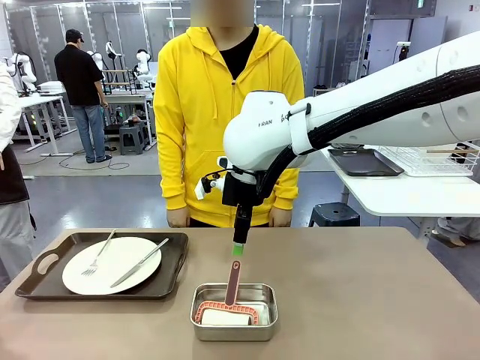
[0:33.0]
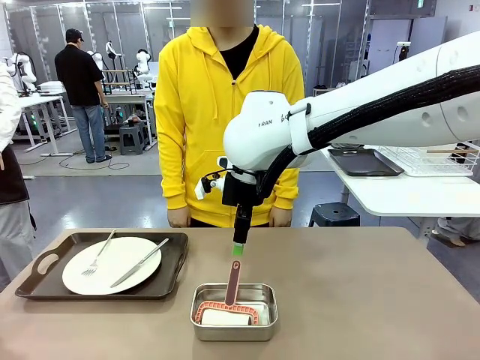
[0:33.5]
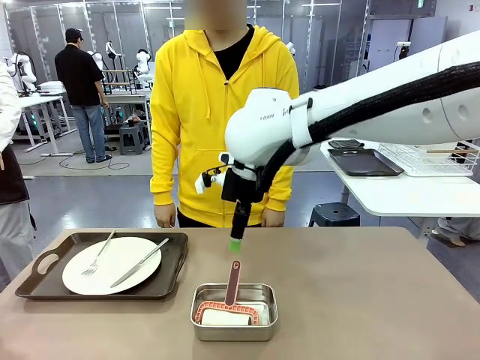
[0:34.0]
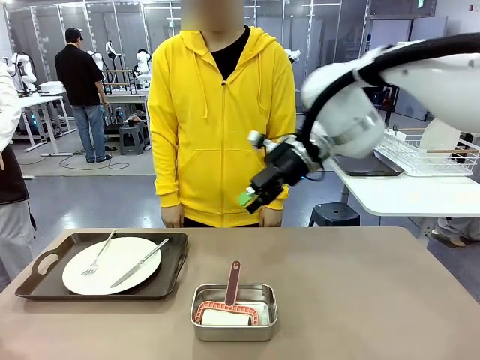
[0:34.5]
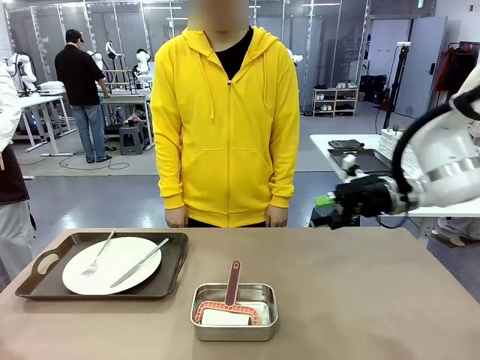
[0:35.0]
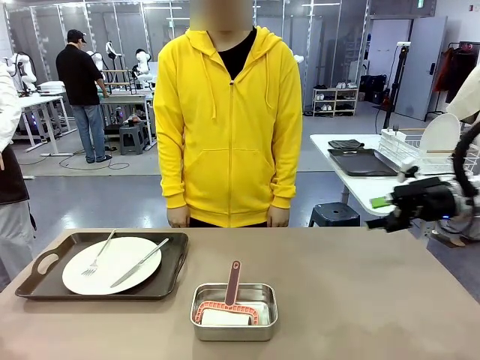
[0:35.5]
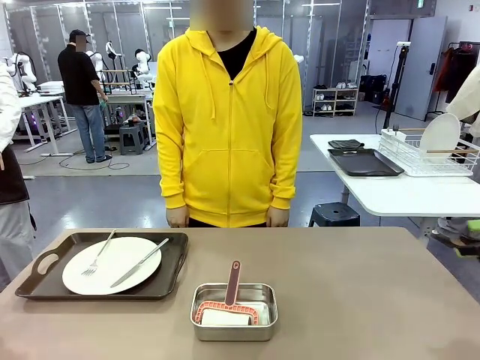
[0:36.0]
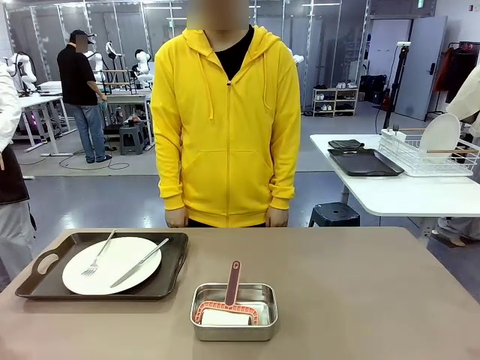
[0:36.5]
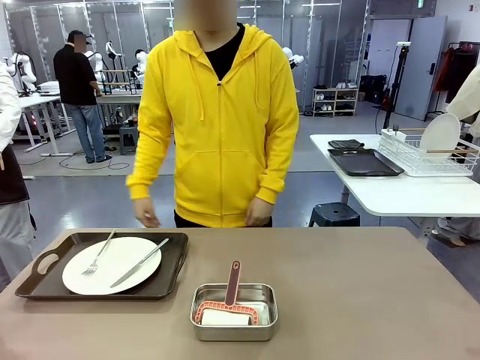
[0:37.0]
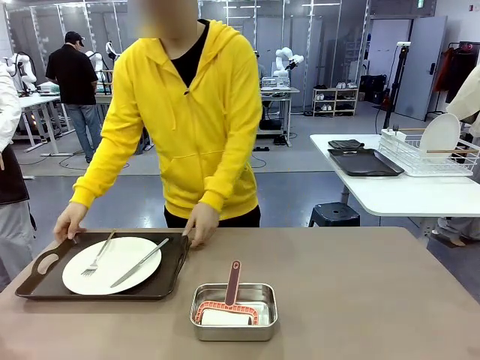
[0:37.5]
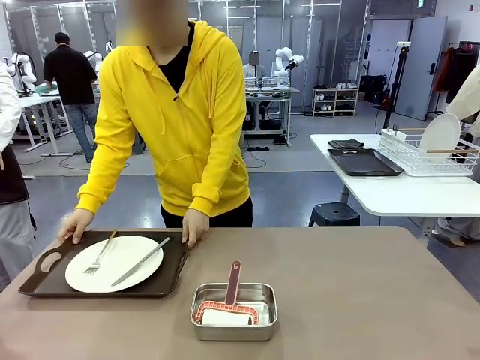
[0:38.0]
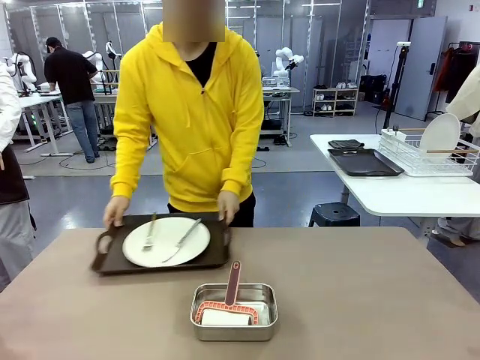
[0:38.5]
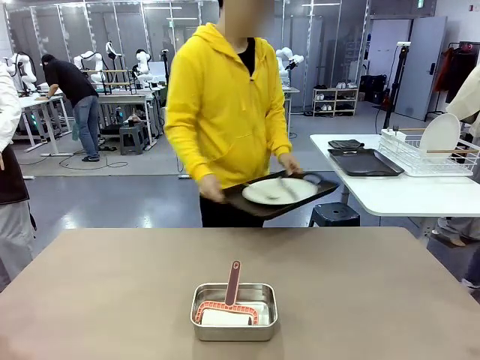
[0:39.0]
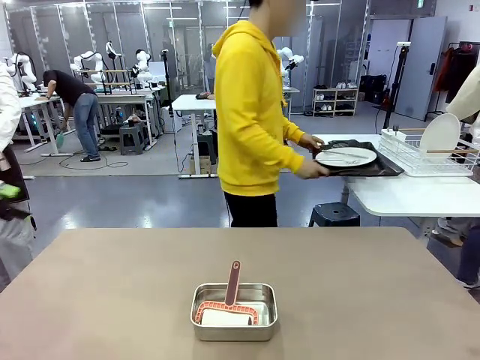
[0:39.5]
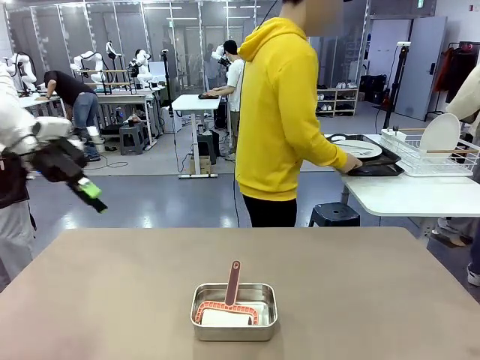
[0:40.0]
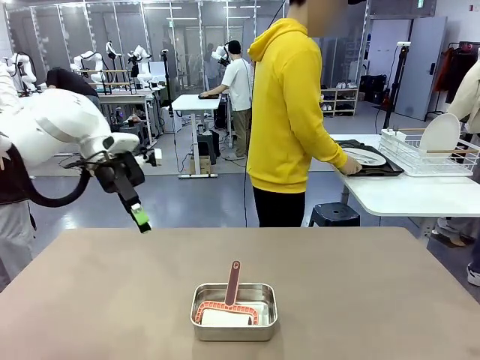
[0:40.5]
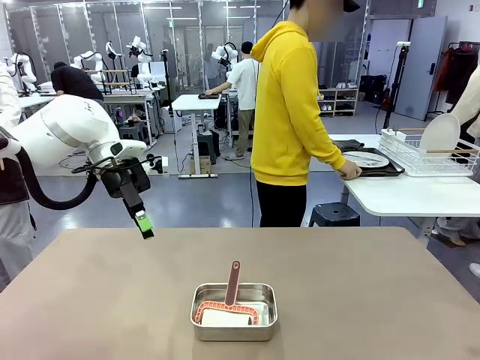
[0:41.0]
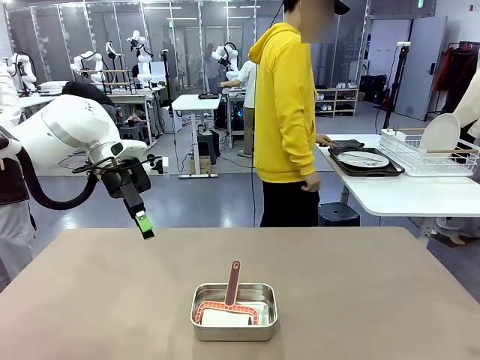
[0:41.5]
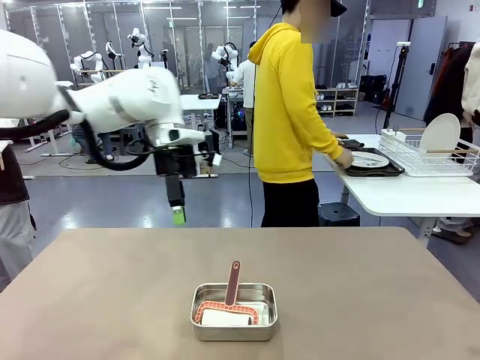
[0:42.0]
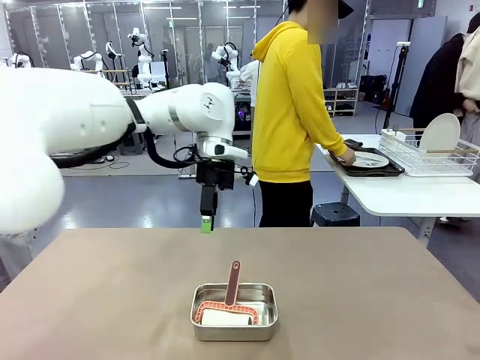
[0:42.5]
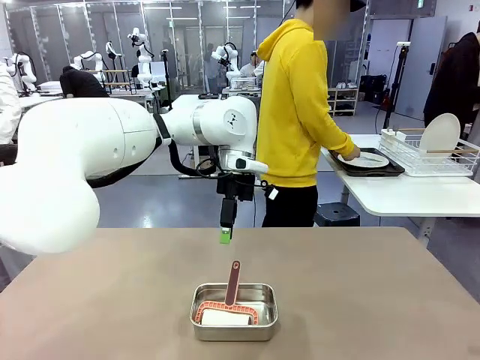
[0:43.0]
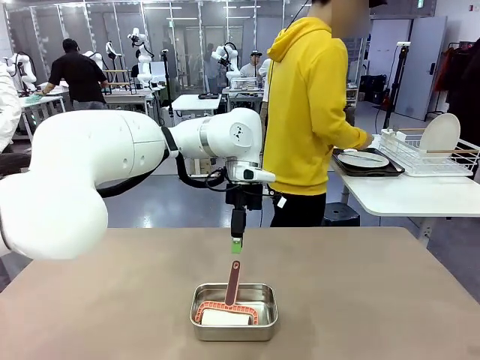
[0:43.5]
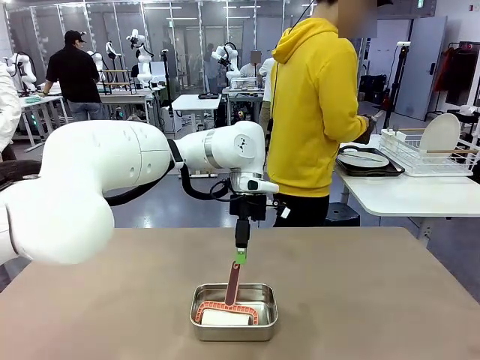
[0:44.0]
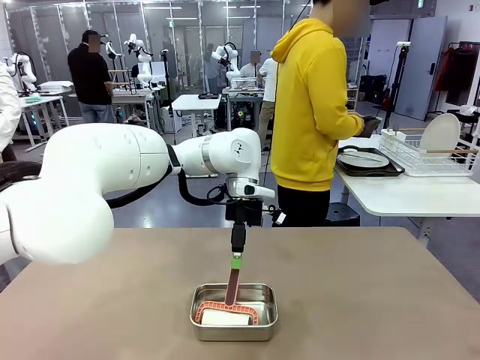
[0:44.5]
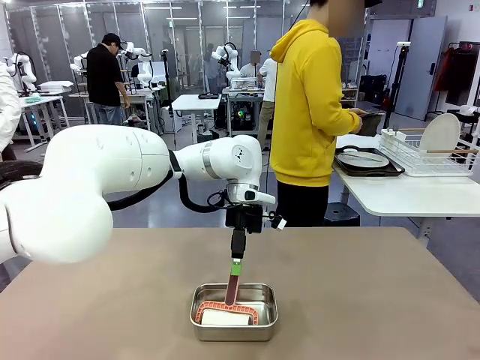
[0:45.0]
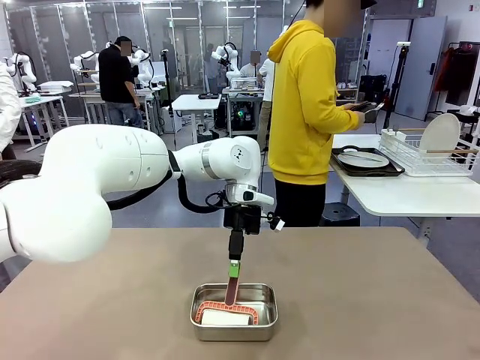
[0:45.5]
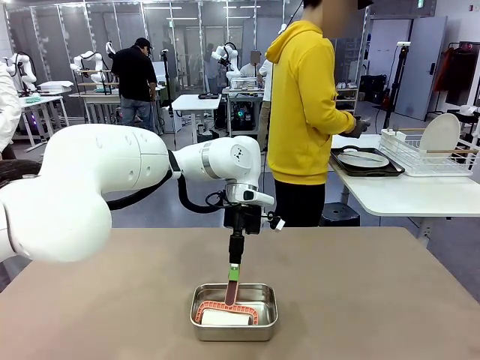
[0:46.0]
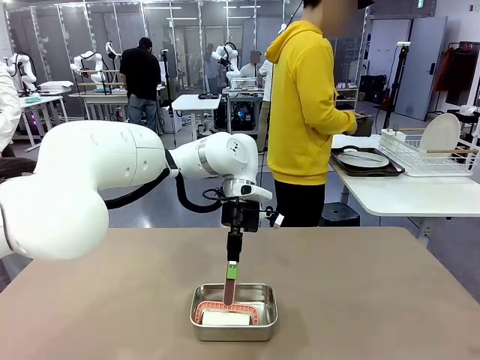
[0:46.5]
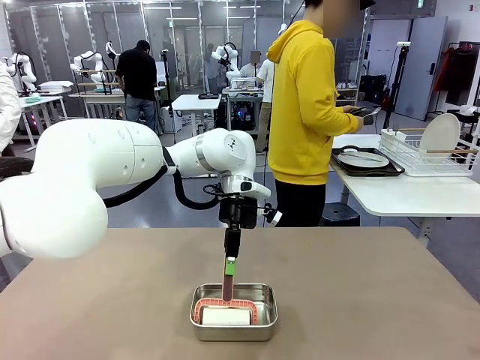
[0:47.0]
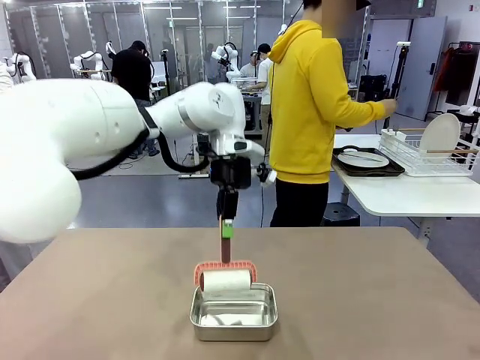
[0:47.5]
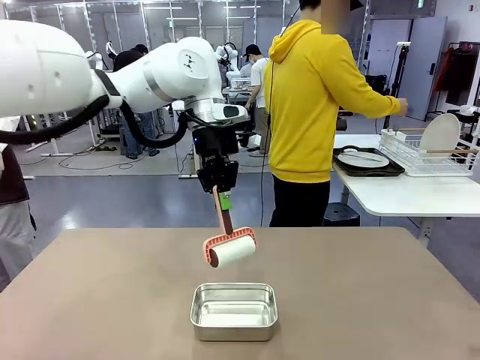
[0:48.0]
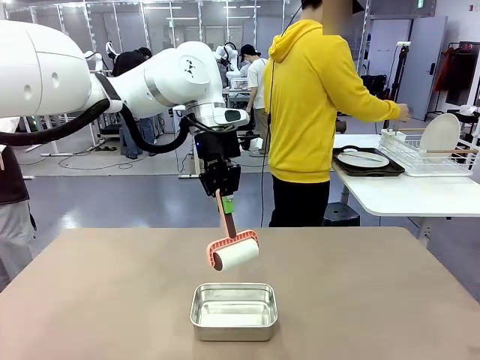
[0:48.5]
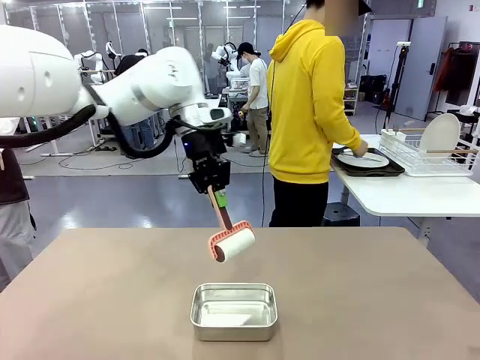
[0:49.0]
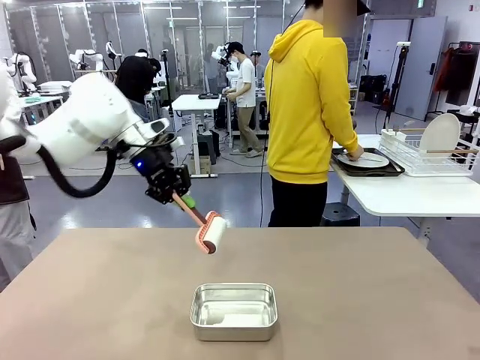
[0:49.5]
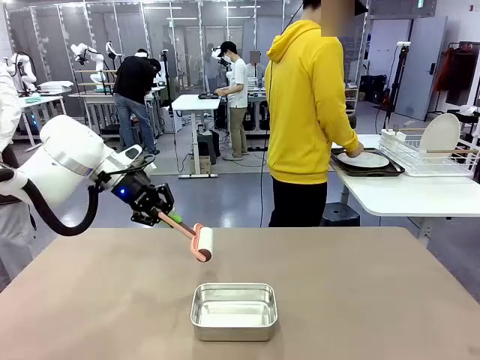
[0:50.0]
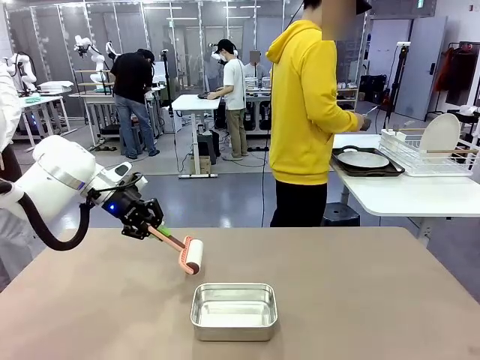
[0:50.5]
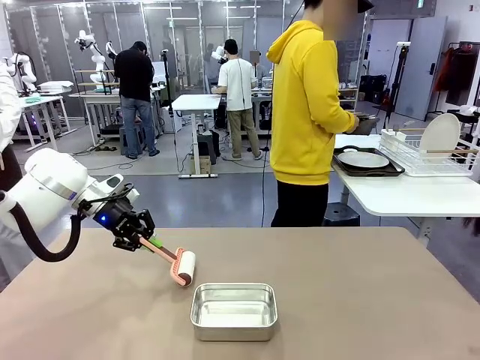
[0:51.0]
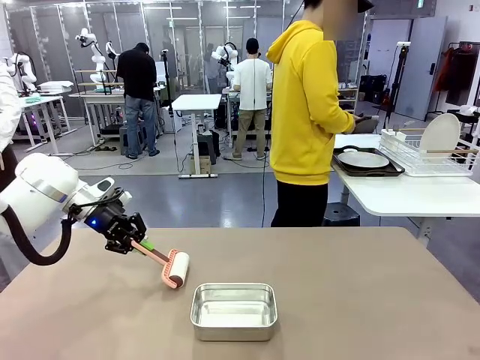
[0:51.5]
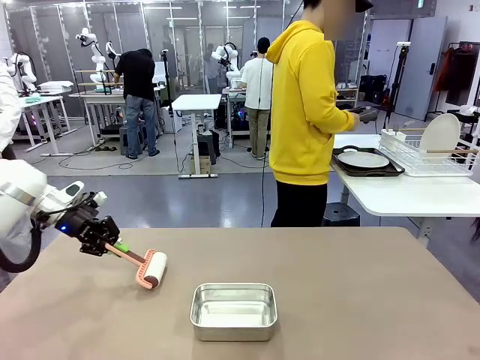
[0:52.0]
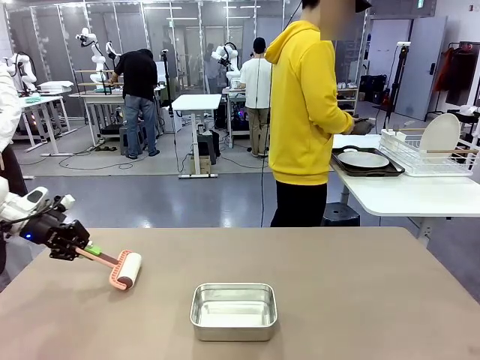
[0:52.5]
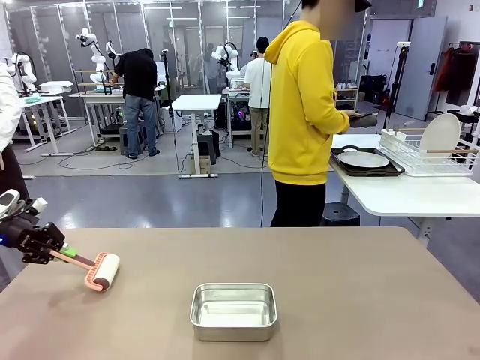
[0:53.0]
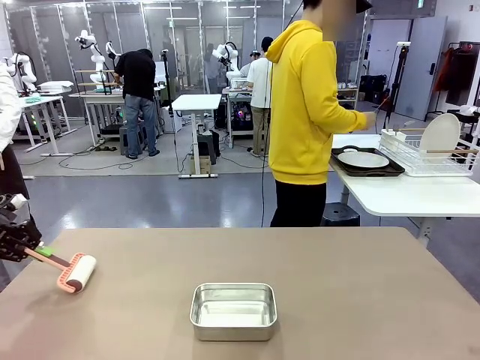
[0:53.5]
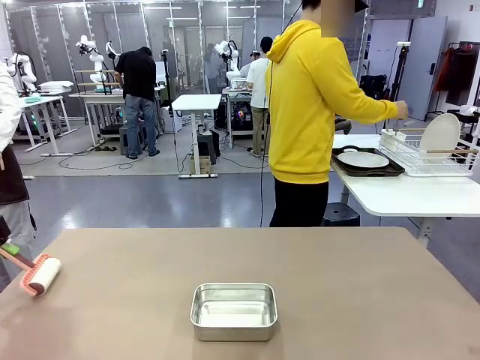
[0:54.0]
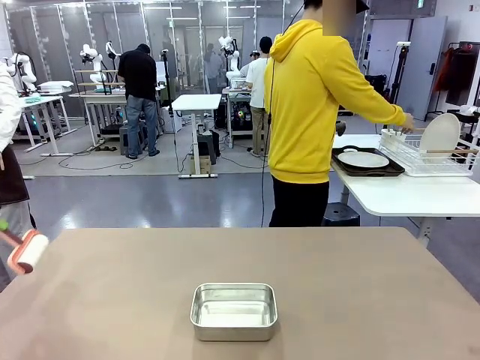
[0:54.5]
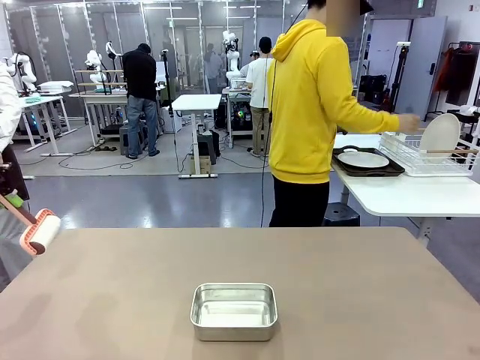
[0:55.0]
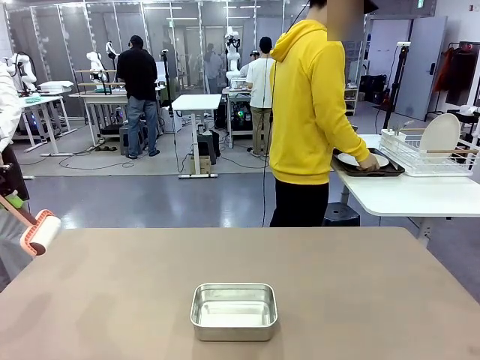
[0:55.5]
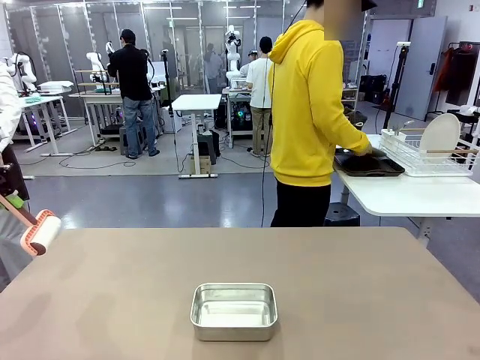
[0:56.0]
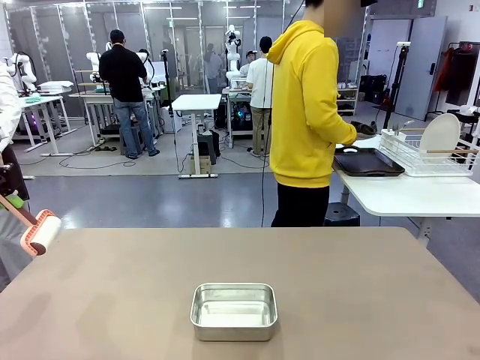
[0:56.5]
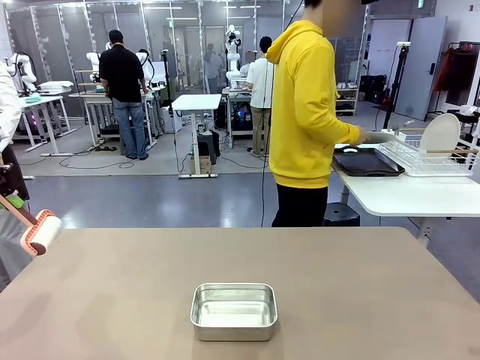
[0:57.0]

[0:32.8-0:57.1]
Robot: When the right (or left) Handle tray is removed, use the right hand (or left hand) to clean the right (or left) side of the table with the Lint Roller.
Person: Pick up the left (or right) Handle tray and place it on the Handle tray. Use the Towel with hook to wipe the Plastic Matte Plate , Fork , and Knife and place into the Dish drying rack.
